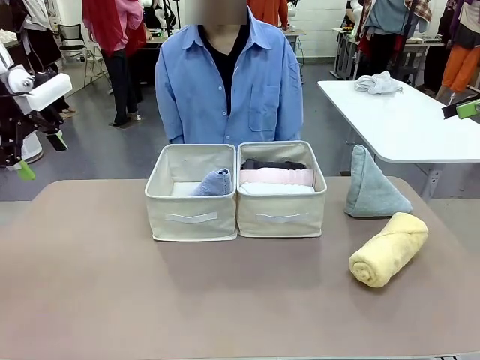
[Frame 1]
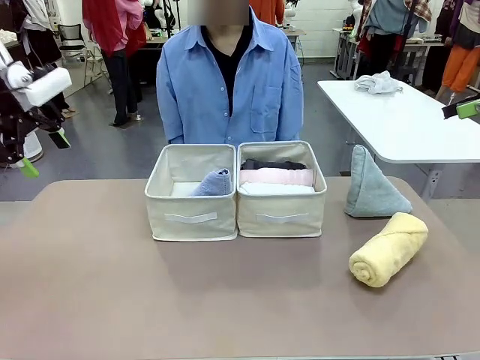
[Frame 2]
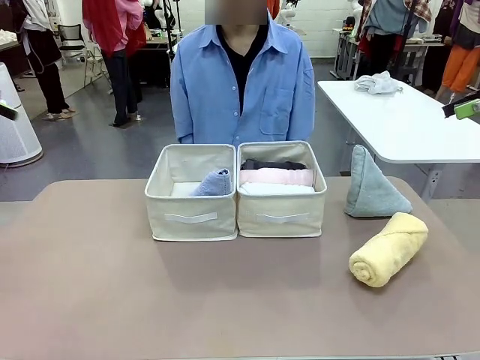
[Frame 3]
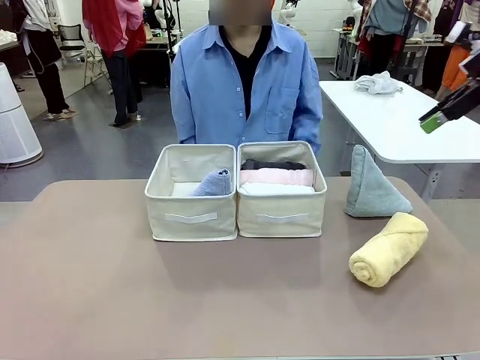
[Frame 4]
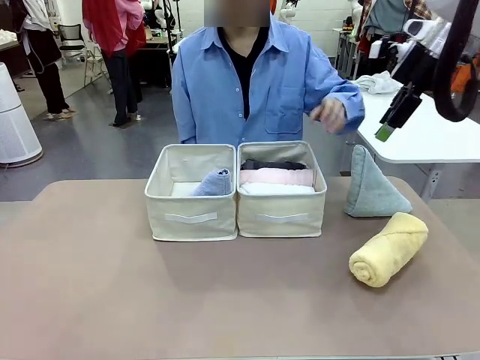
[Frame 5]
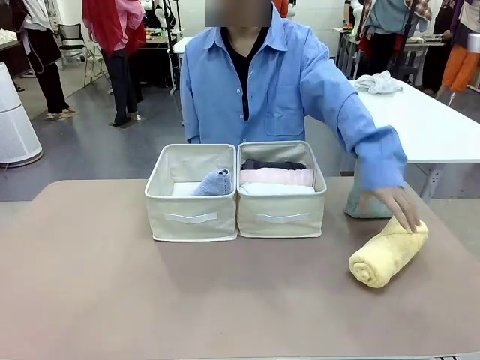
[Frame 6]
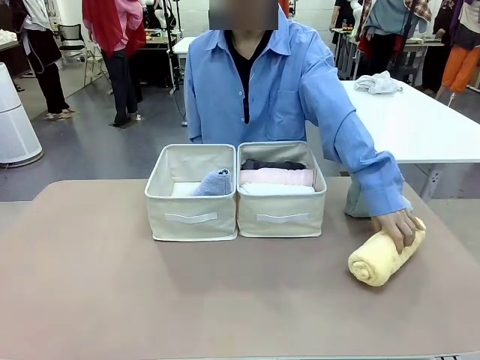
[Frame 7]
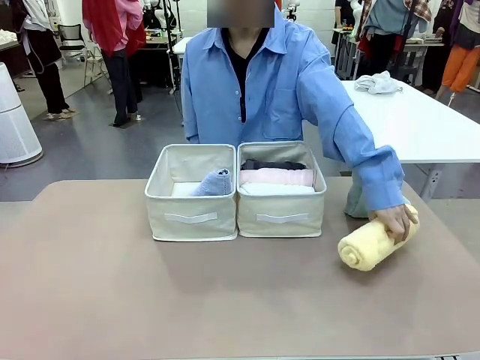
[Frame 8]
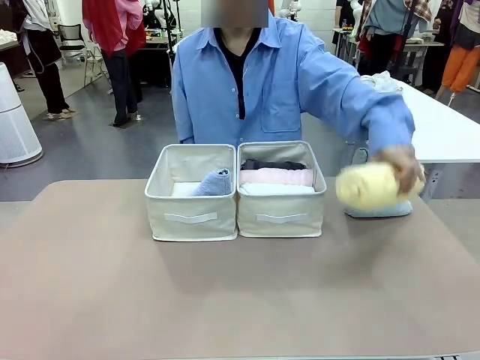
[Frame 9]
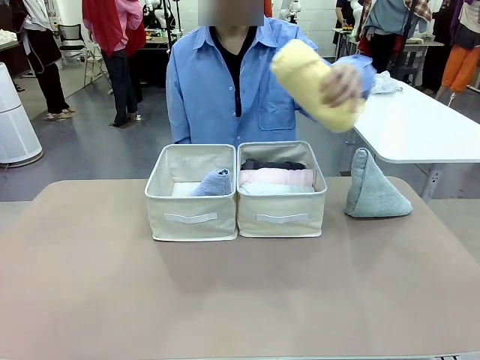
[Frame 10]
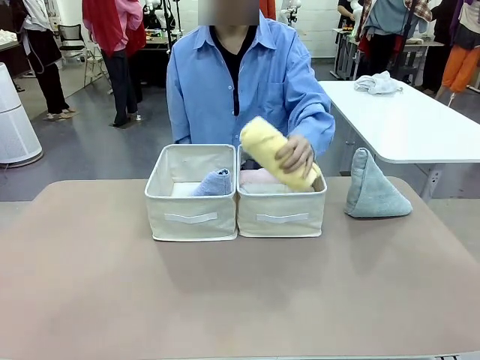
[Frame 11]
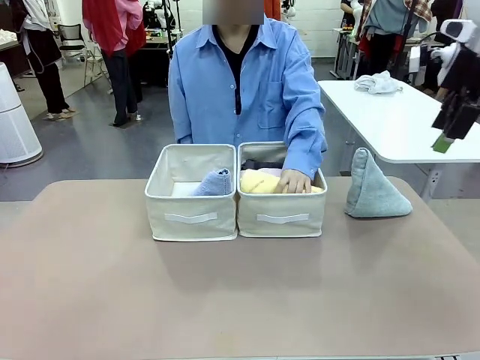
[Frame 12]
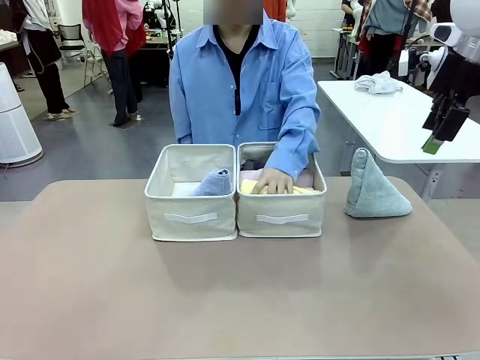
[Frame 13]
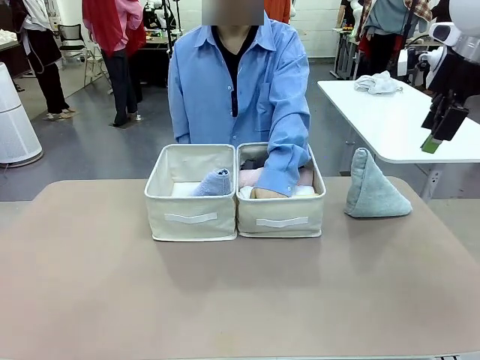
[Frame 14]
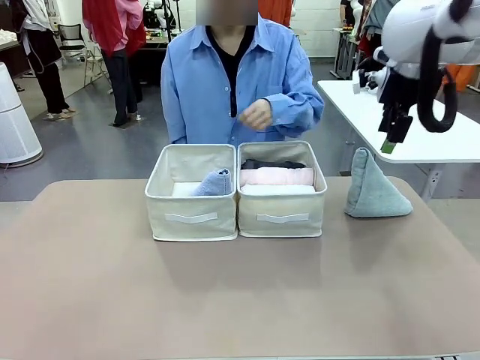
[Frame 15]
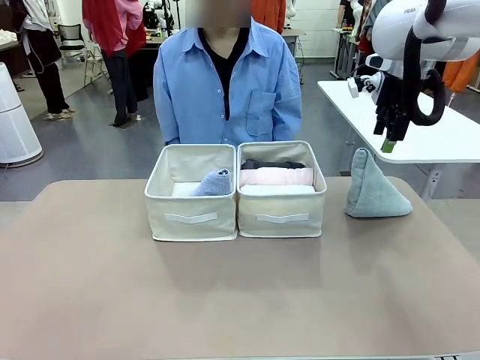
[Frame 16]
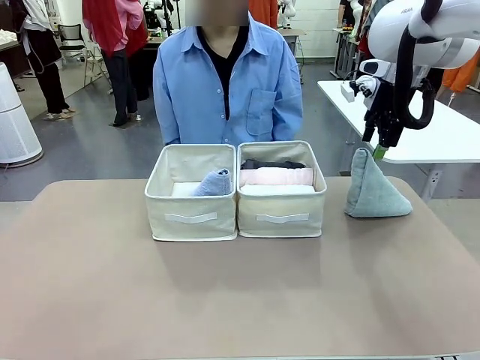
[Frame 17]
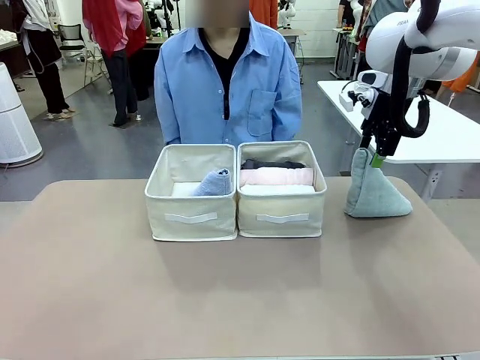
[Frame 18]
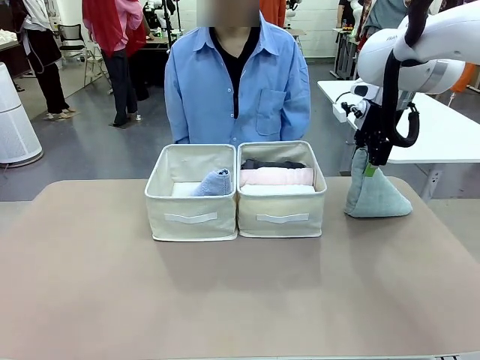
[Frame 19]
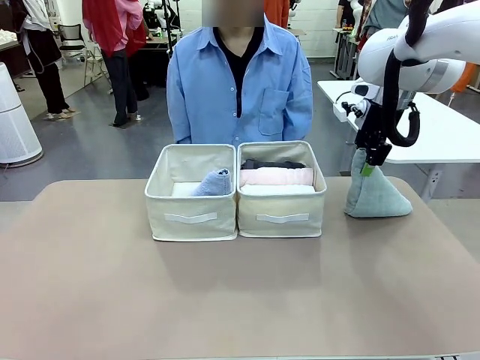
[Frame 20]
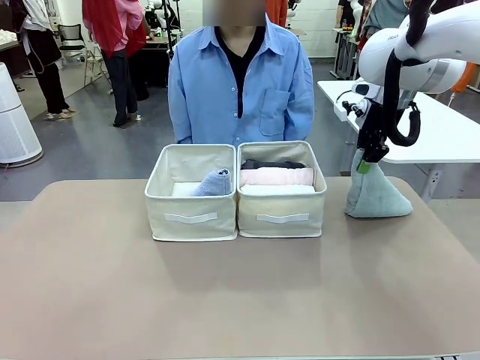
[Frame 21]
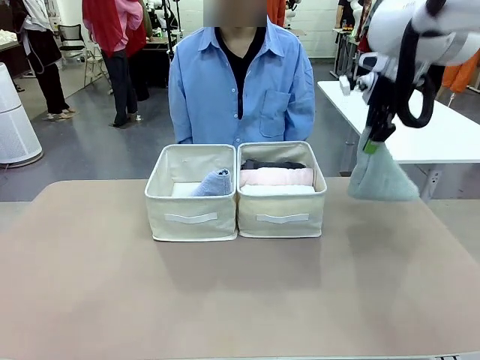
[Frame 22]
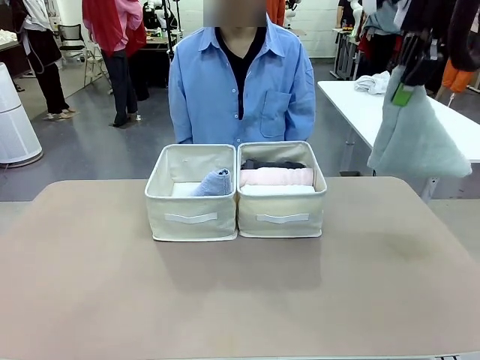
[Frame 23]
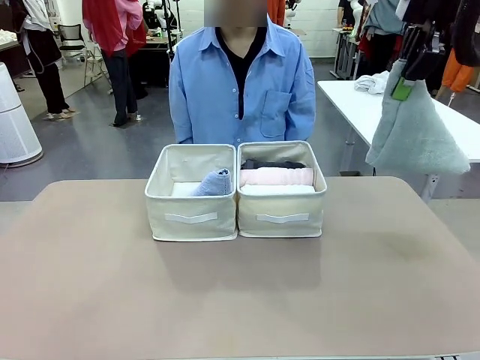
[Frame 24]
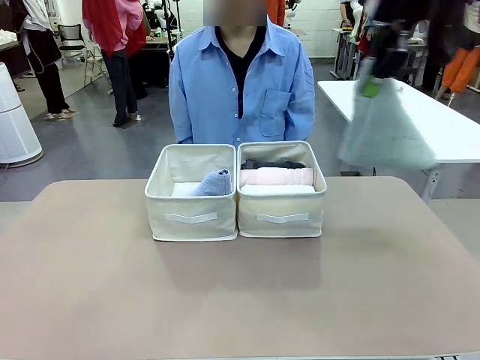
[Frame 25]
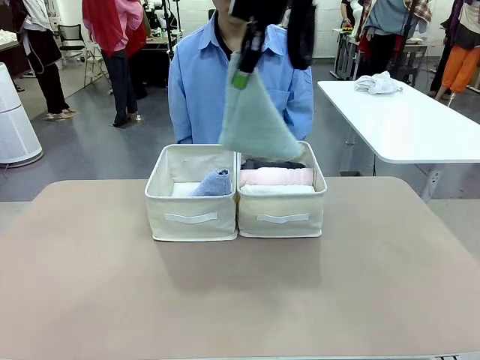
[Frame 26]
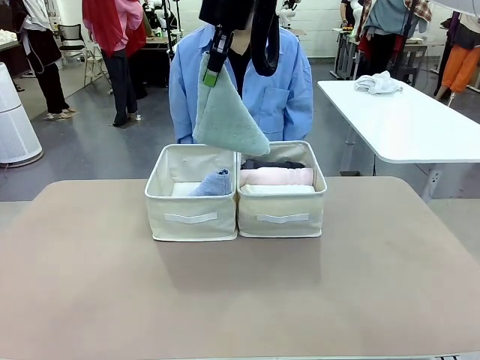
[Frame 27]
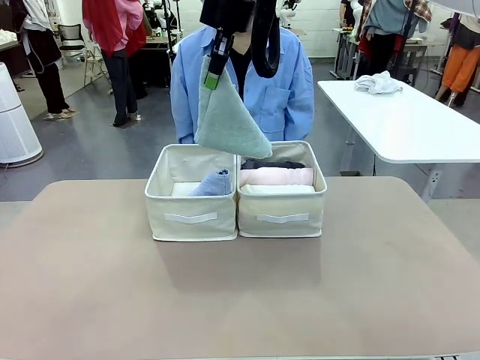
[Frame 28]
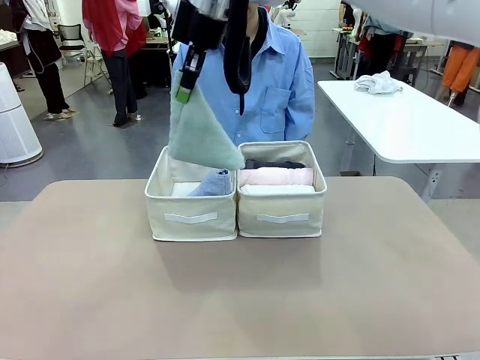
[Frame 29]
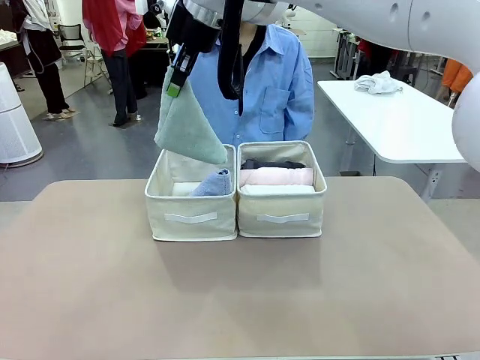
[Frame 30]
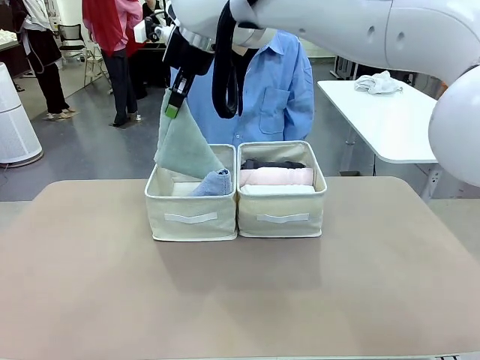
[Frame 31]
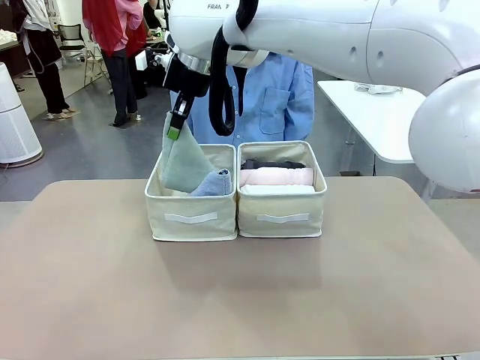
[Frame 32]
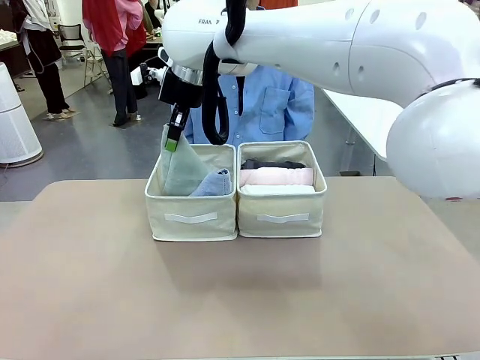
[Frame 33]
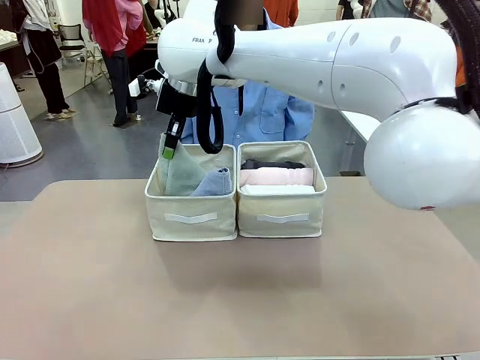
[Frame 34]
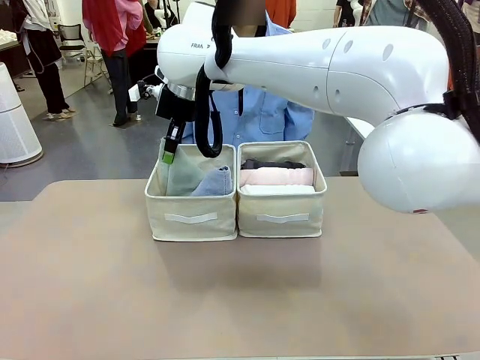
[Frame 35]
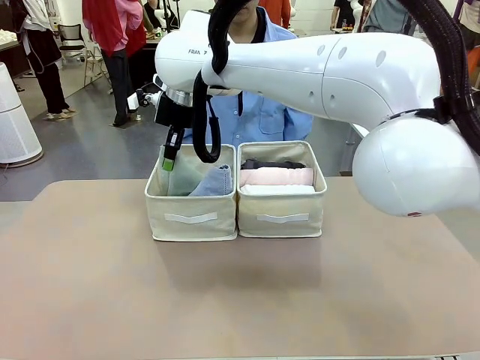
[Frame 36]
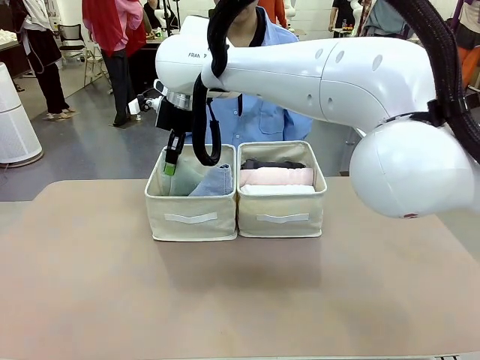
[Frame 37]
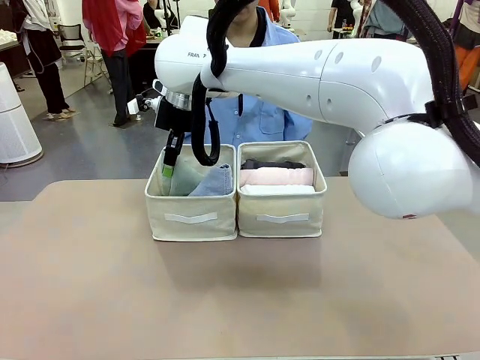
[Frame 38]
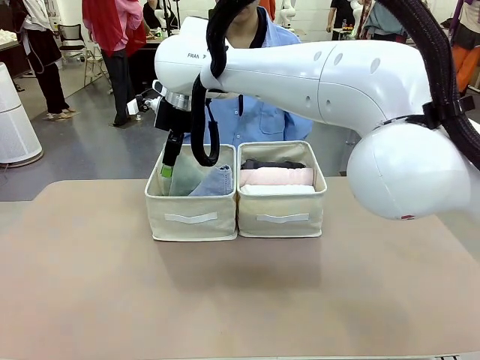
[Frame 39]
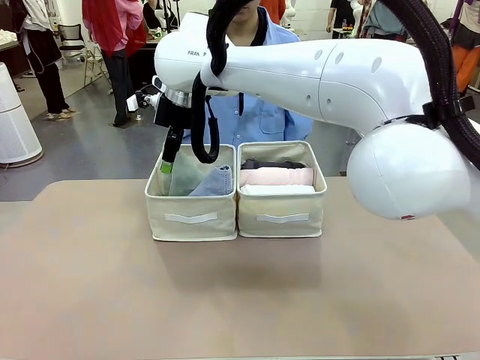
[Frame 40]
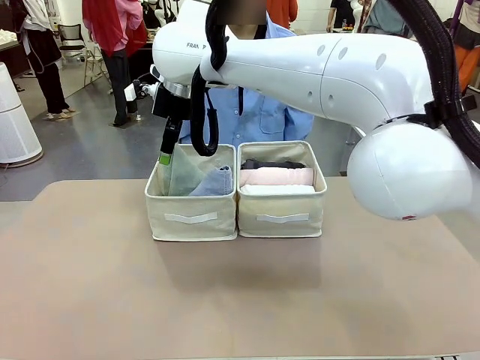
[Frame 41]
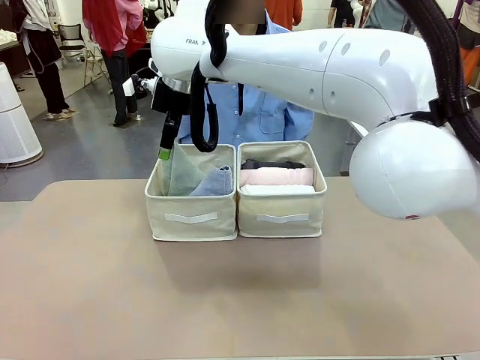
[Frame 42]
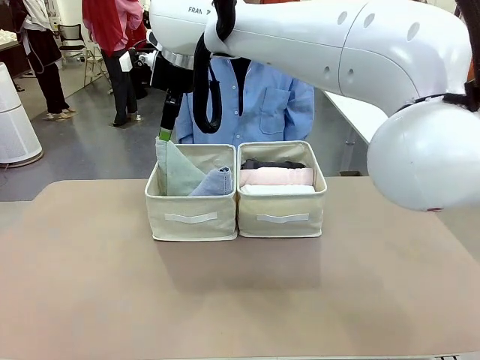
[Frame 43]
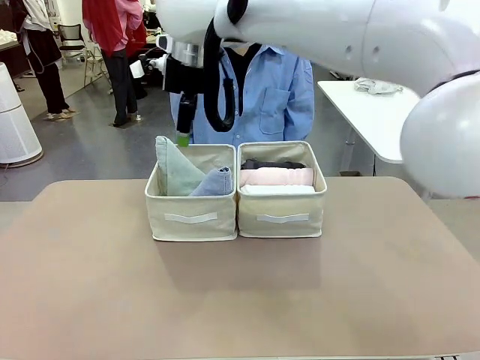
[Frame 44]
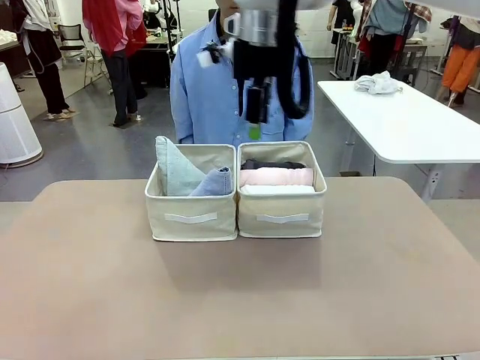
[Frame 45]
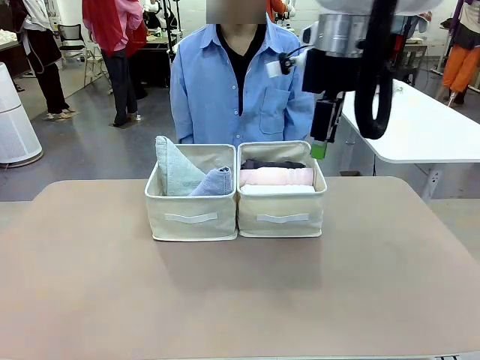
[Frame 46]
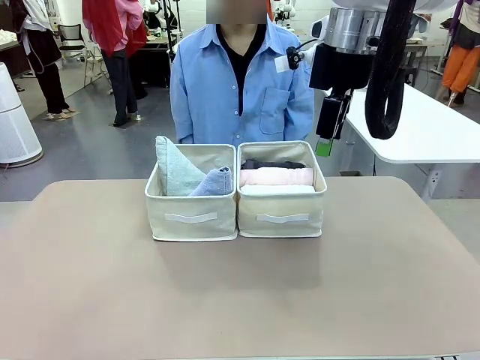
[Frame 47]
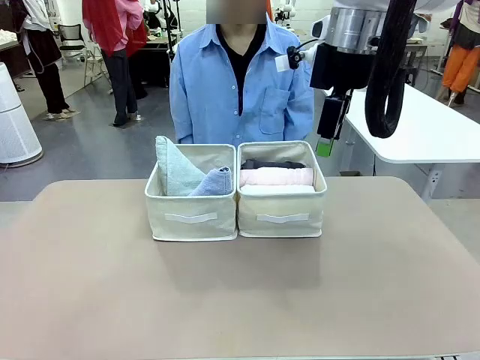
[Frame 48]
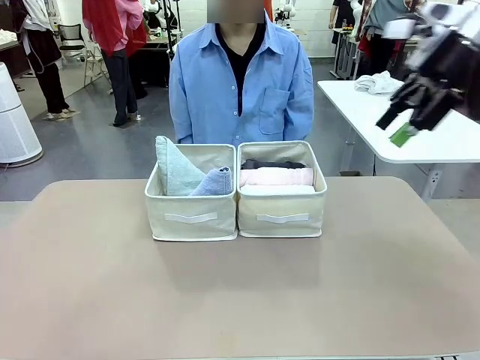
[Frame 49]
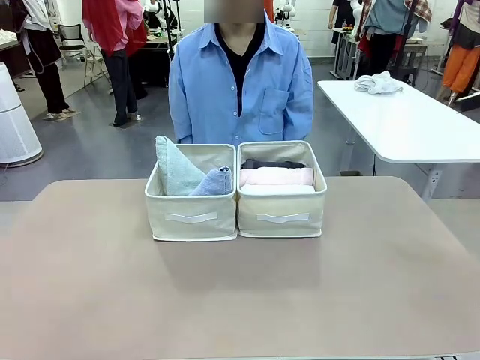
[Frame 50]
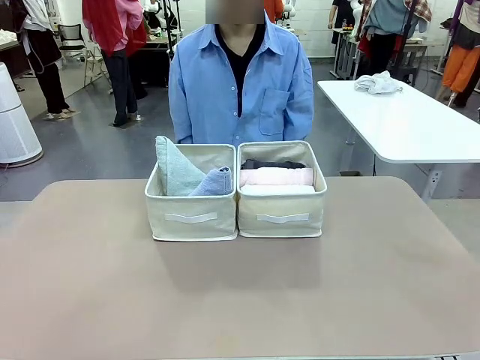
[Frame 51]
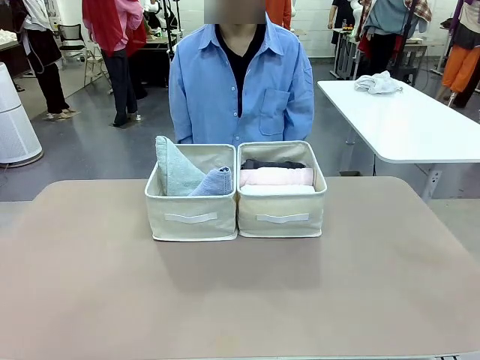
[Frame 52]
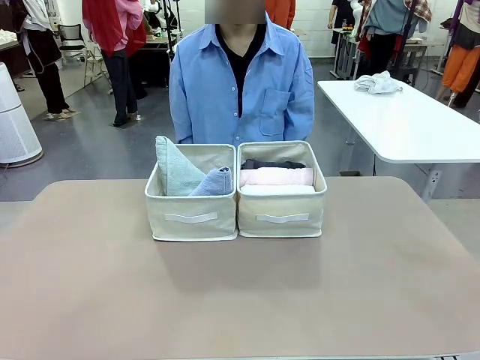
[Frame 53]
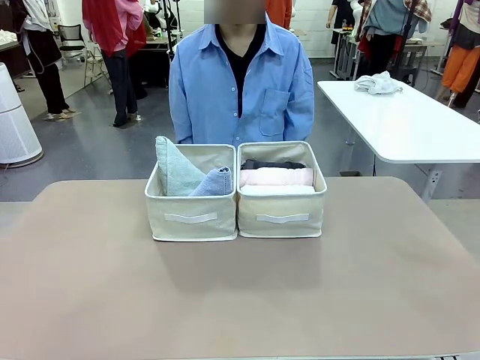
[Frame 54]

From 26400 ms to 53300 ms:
Task: Sort the towels based on their folding style.
Robot: Pick up another triangle-folded towel from the table and place it in the left Fabric basket.
Person: Pick up one hotel-style rolled towel from the table and place it in the left fabric basket.
